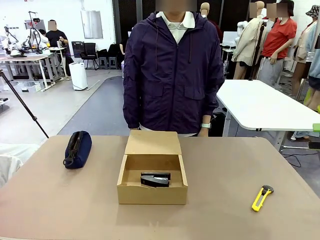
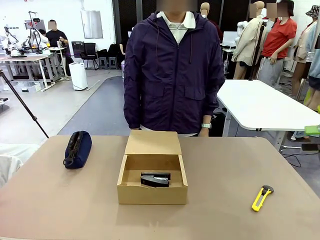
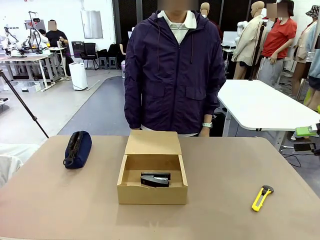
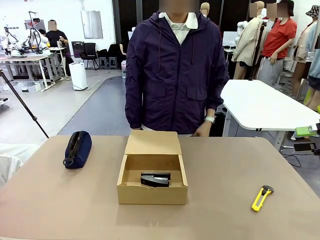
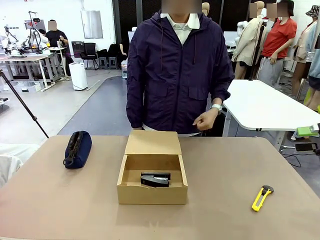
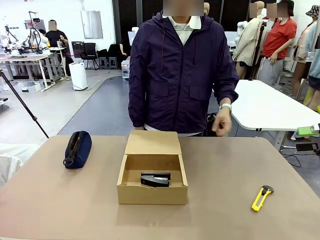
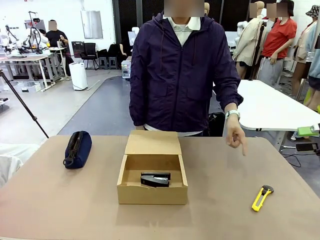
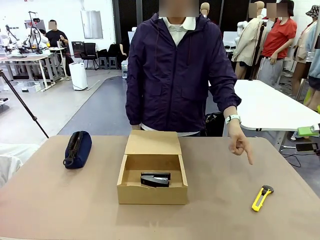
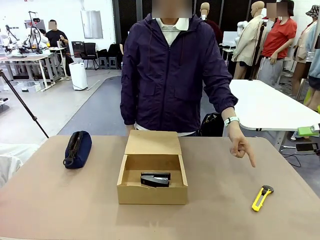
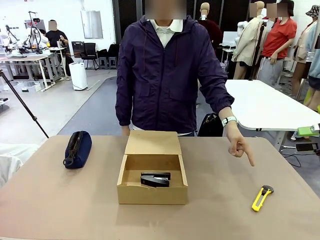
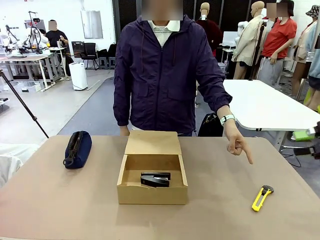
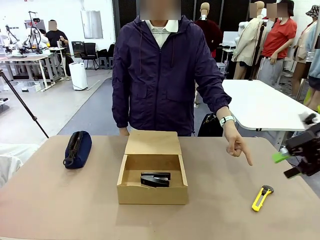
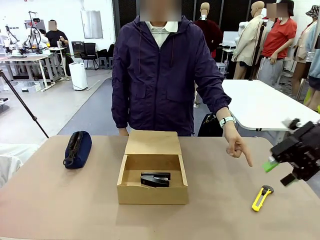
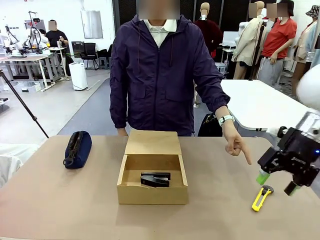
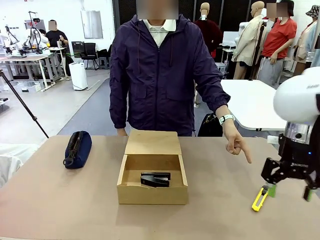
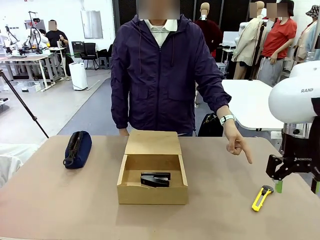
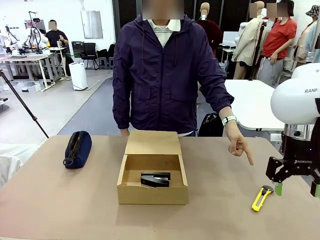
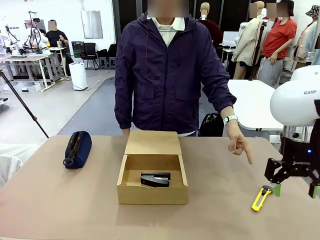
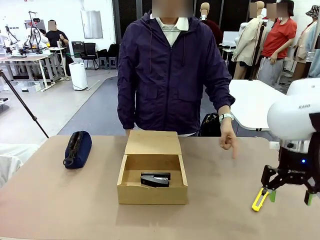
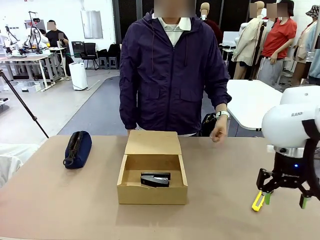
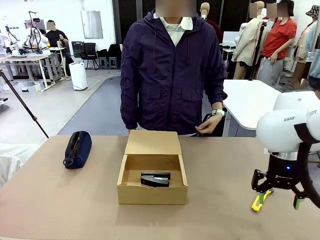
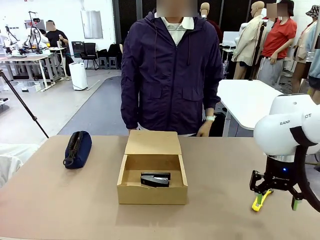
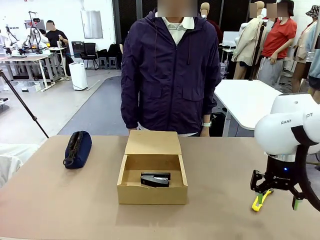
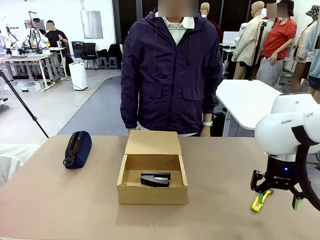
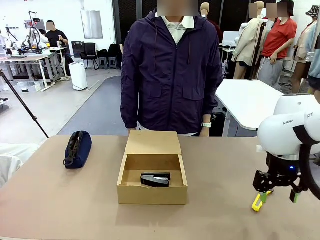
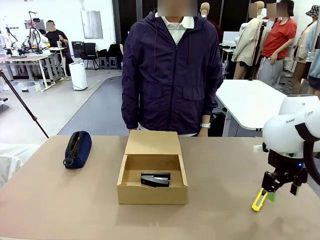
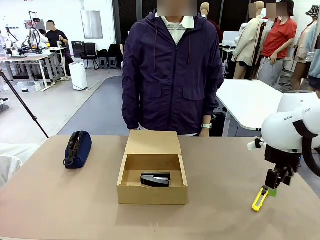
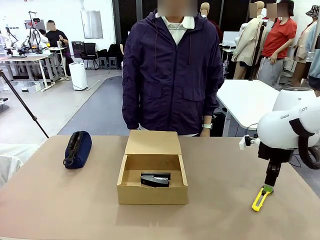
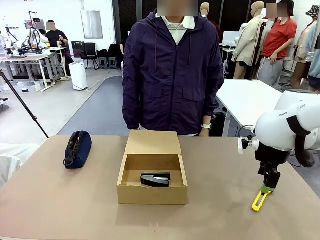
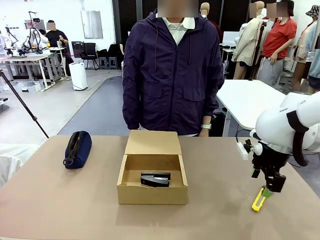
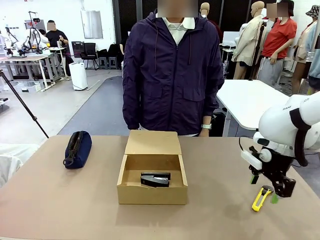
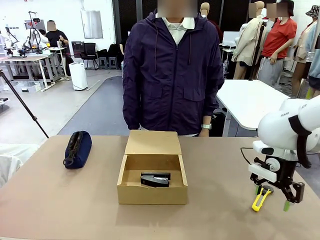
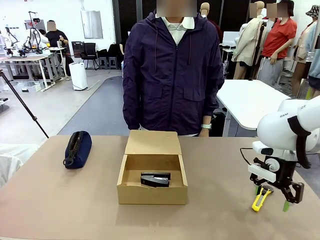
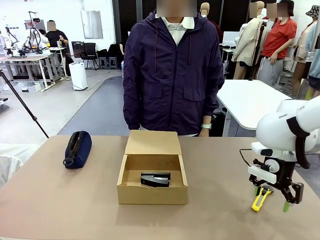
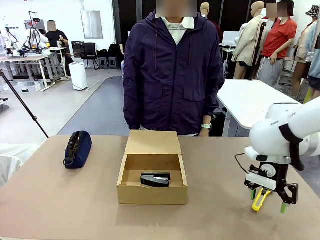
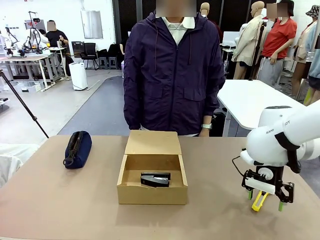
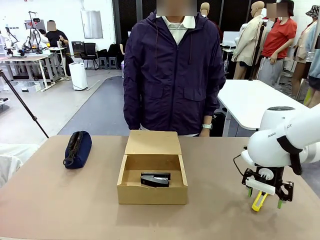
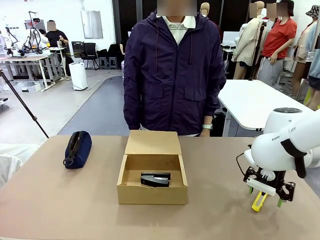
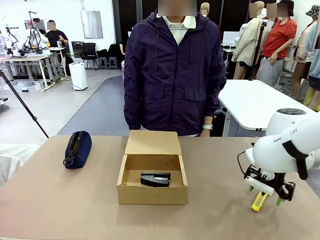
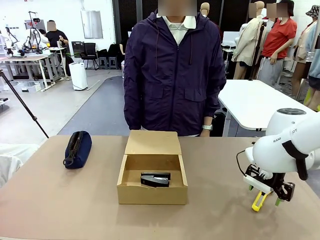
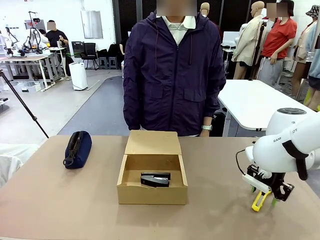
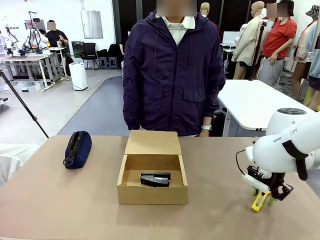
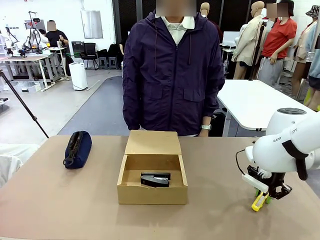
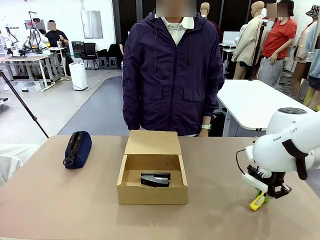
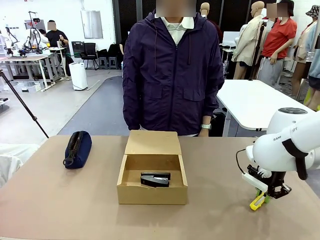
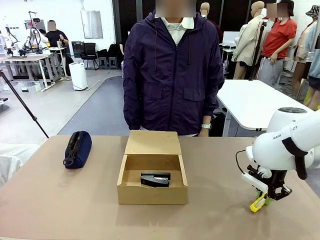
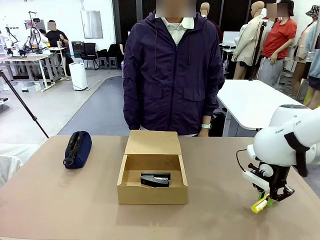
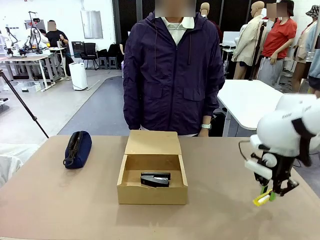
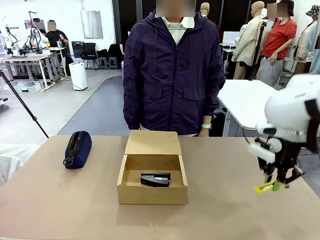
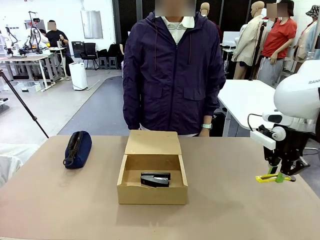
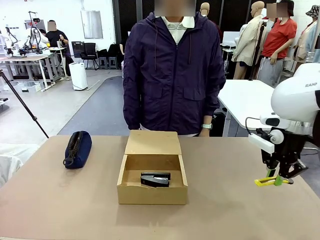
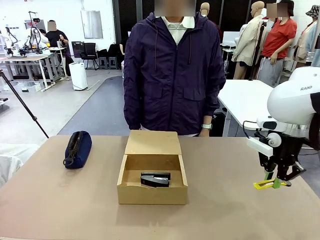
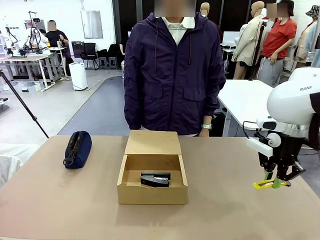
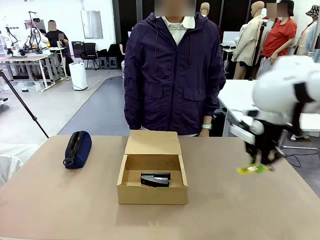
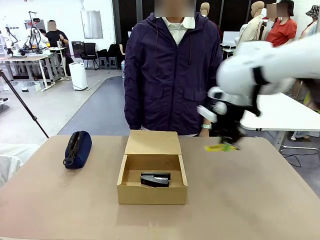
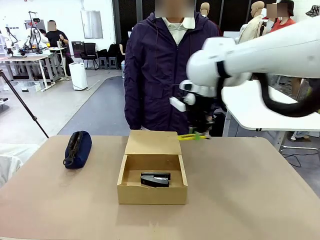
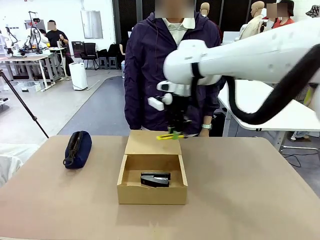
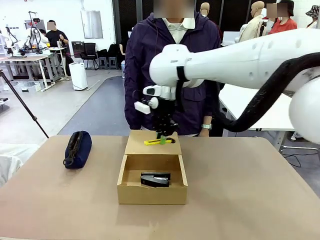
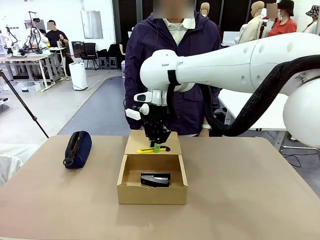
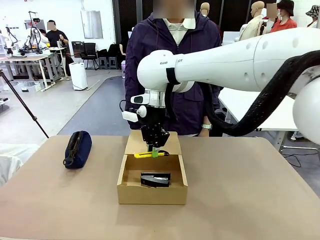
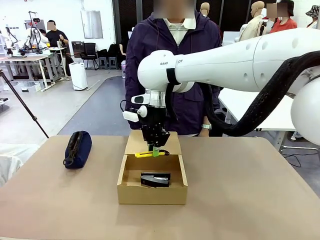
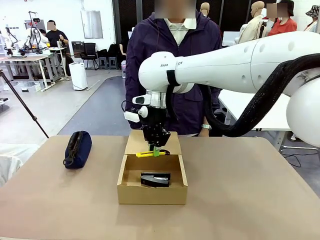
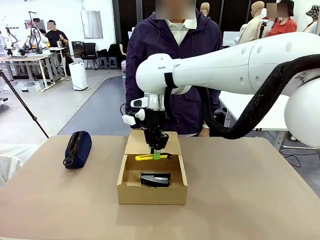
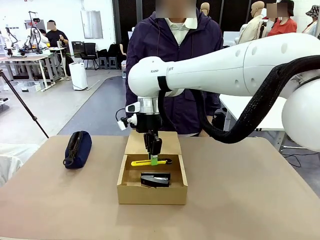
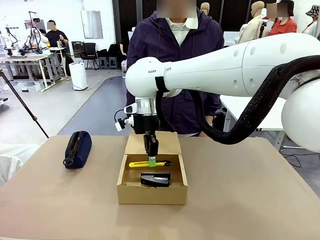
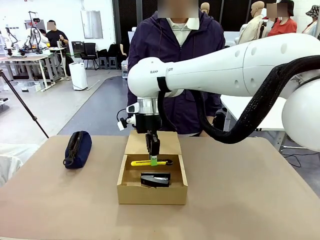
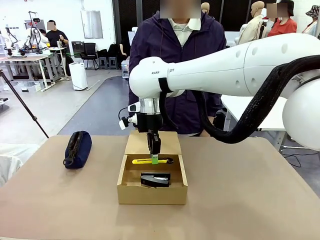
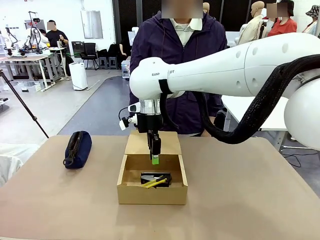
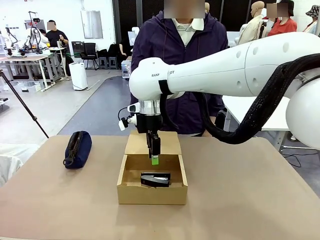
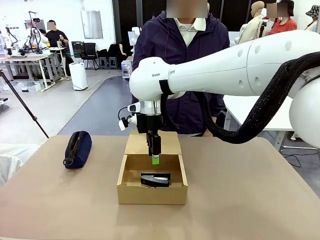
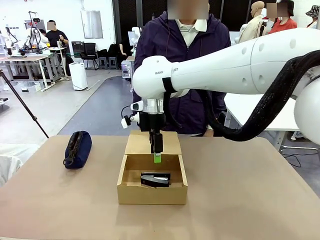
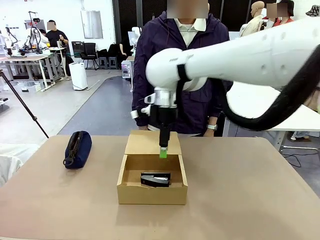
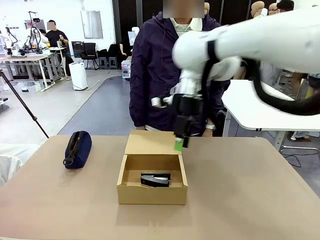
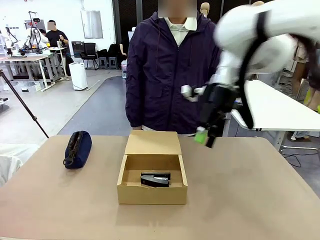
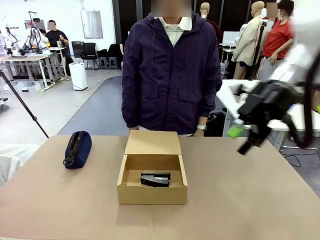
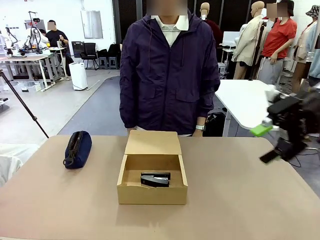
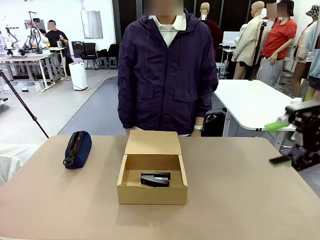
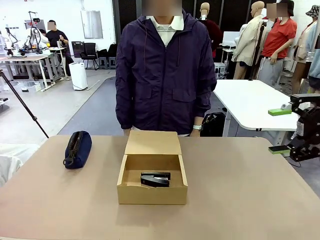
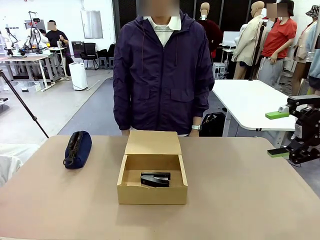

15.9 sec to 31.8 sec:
Task: Pack the items into the box.
Robot: Pick up the item specified by the human and place it in the Mailer Box.
Person: Lower both hands vertically with palms facing downward, as if pressing something closed.
